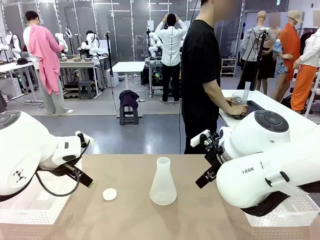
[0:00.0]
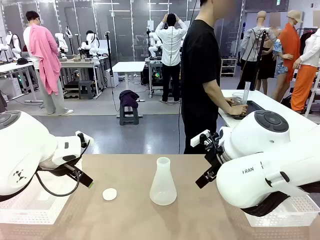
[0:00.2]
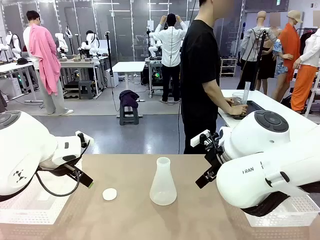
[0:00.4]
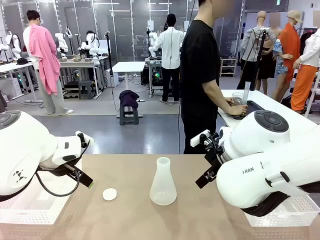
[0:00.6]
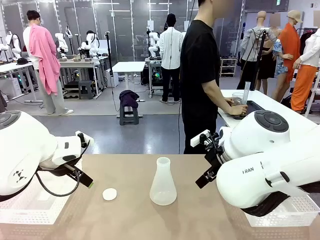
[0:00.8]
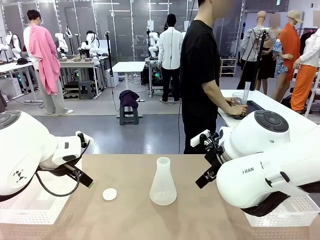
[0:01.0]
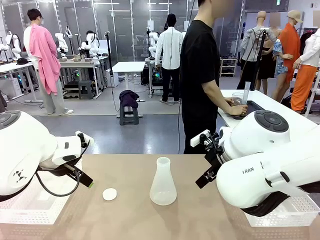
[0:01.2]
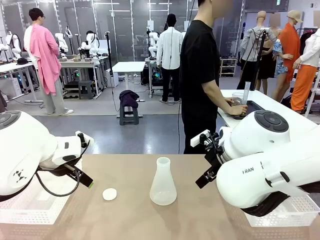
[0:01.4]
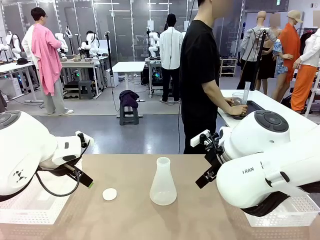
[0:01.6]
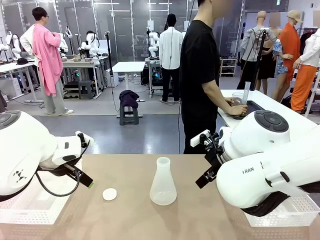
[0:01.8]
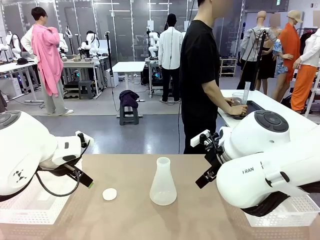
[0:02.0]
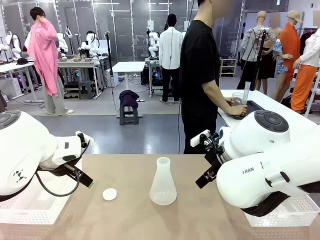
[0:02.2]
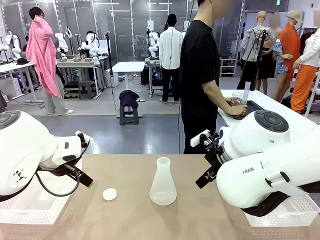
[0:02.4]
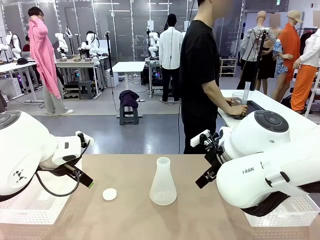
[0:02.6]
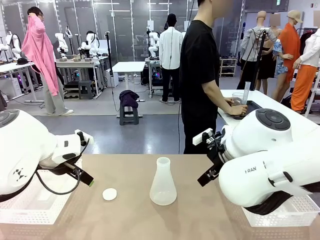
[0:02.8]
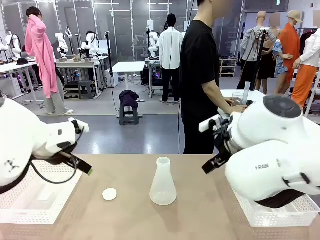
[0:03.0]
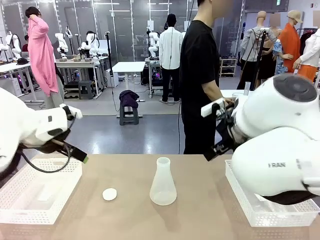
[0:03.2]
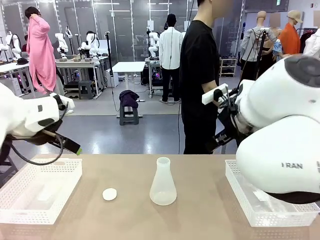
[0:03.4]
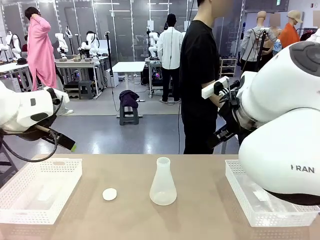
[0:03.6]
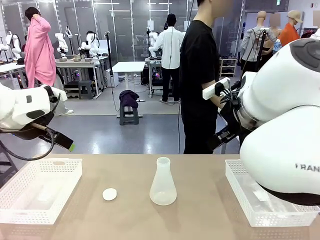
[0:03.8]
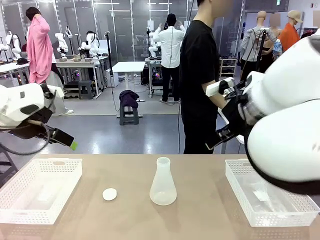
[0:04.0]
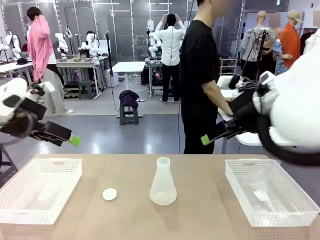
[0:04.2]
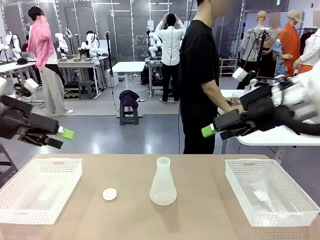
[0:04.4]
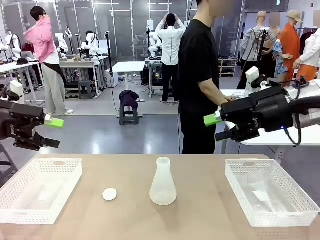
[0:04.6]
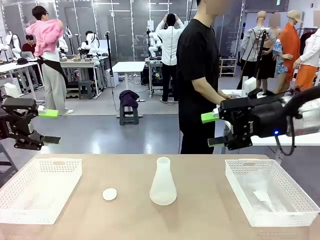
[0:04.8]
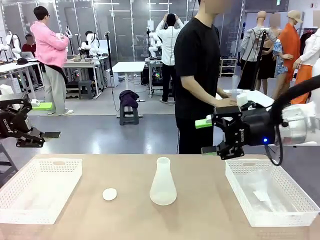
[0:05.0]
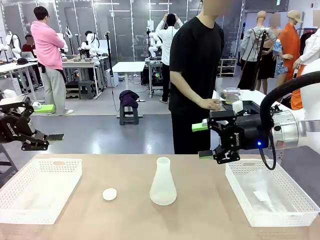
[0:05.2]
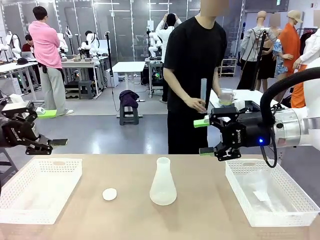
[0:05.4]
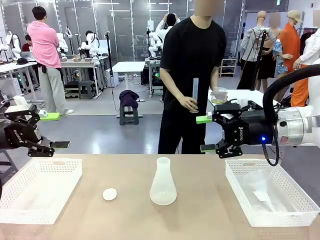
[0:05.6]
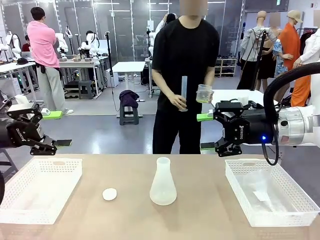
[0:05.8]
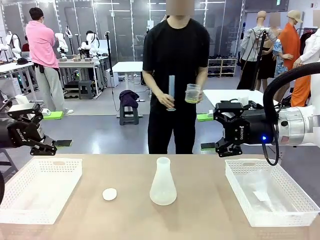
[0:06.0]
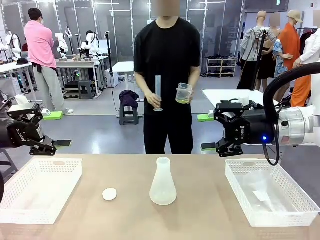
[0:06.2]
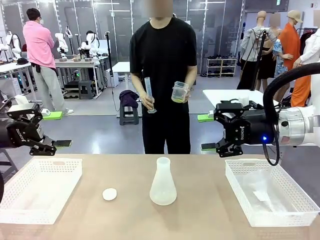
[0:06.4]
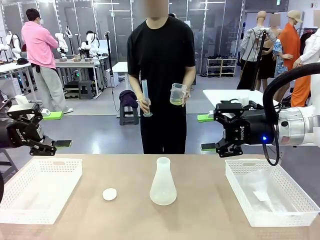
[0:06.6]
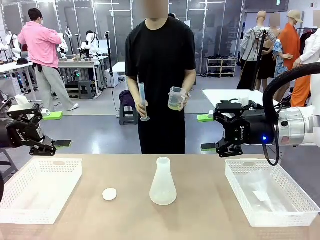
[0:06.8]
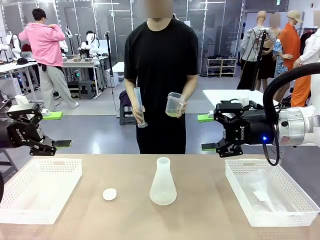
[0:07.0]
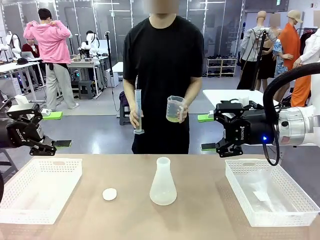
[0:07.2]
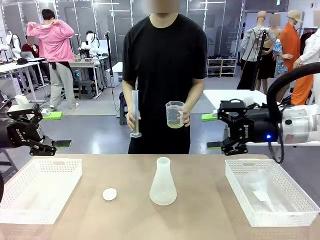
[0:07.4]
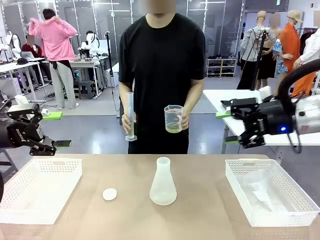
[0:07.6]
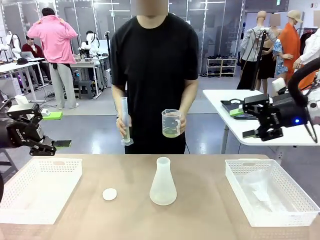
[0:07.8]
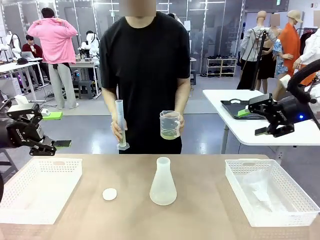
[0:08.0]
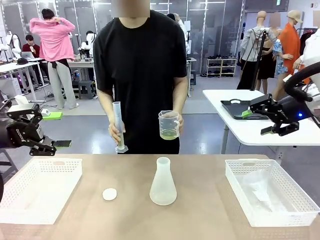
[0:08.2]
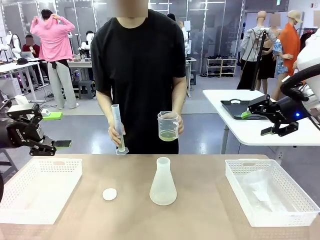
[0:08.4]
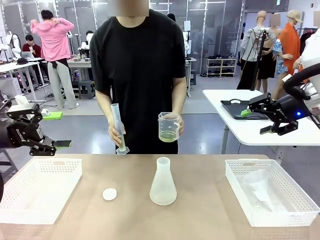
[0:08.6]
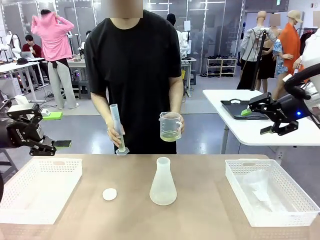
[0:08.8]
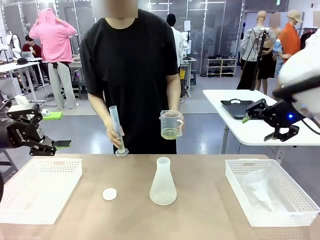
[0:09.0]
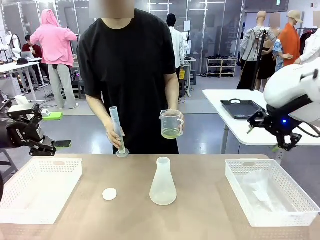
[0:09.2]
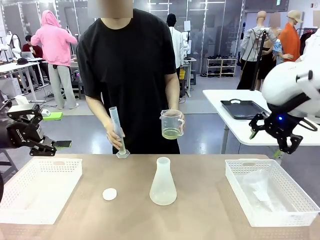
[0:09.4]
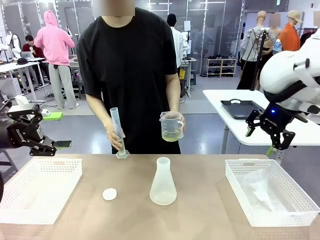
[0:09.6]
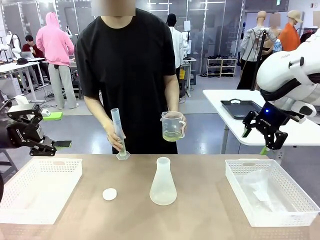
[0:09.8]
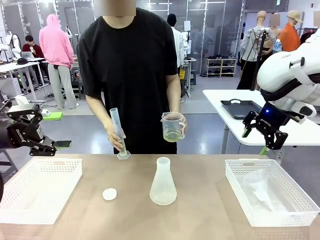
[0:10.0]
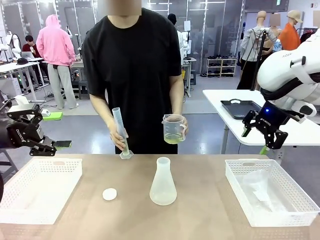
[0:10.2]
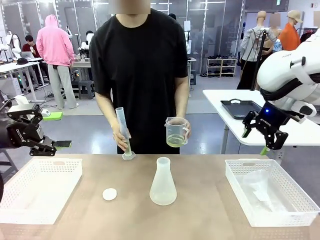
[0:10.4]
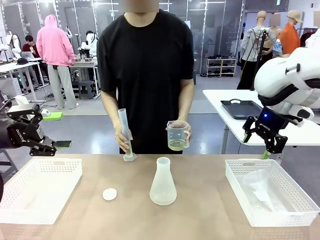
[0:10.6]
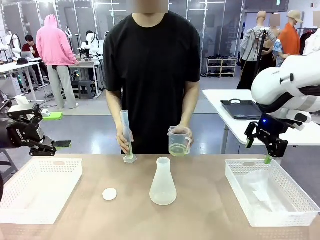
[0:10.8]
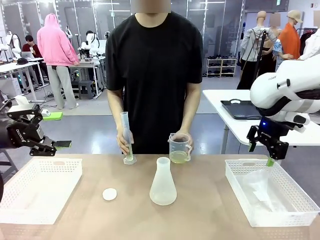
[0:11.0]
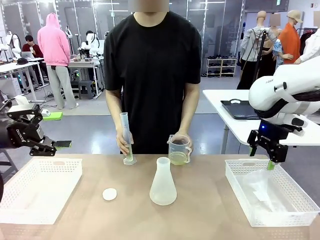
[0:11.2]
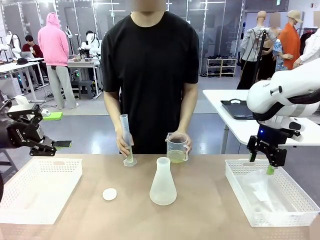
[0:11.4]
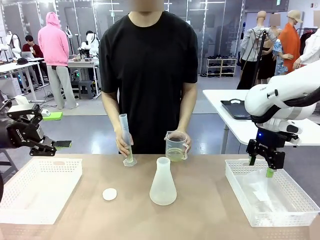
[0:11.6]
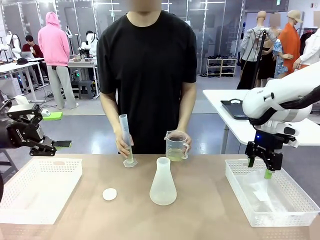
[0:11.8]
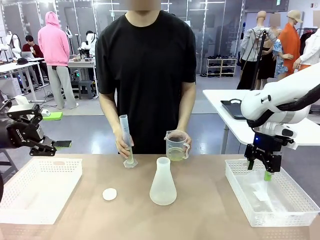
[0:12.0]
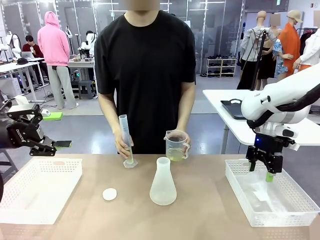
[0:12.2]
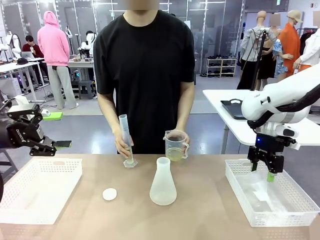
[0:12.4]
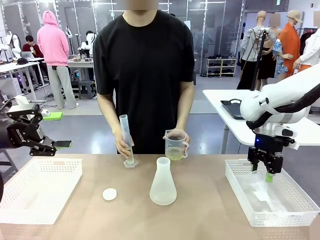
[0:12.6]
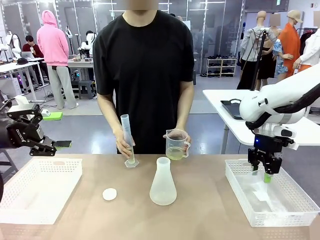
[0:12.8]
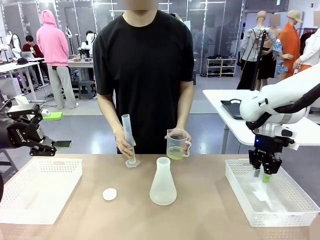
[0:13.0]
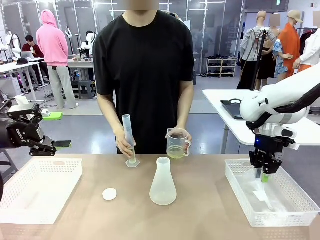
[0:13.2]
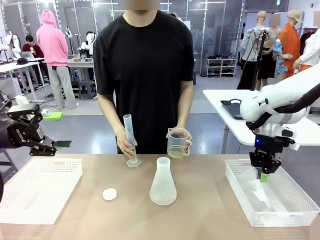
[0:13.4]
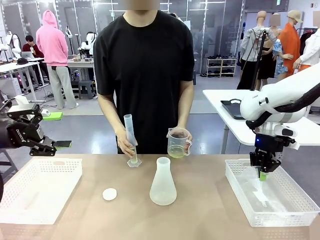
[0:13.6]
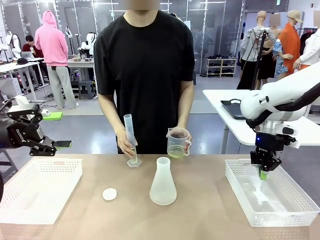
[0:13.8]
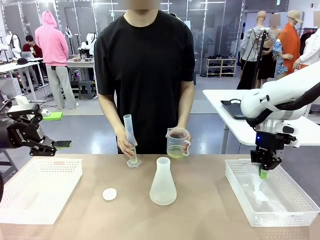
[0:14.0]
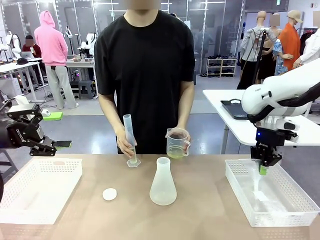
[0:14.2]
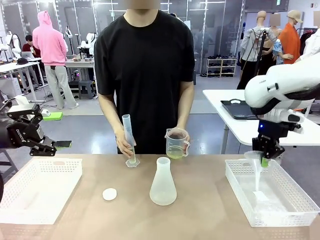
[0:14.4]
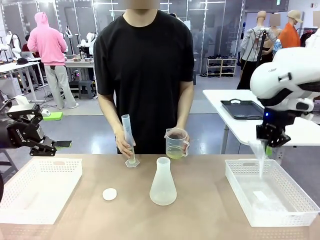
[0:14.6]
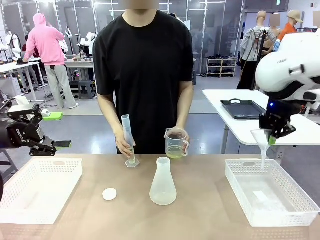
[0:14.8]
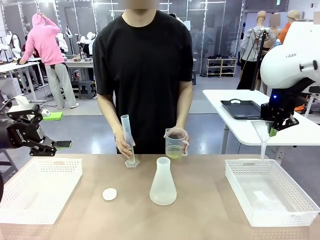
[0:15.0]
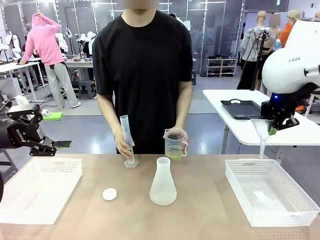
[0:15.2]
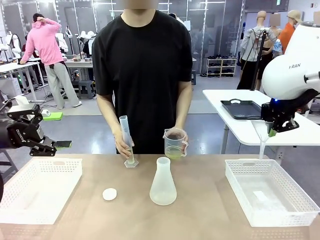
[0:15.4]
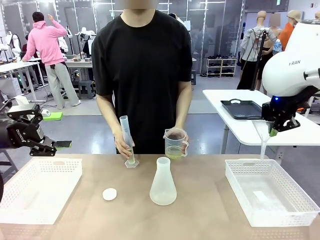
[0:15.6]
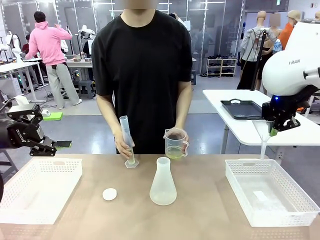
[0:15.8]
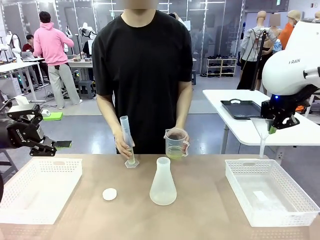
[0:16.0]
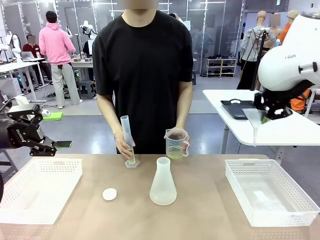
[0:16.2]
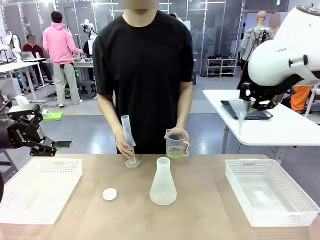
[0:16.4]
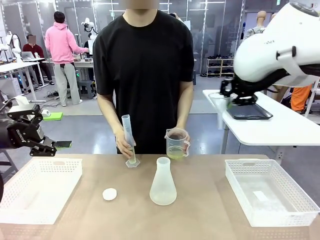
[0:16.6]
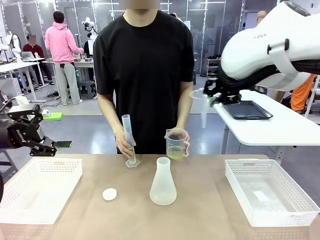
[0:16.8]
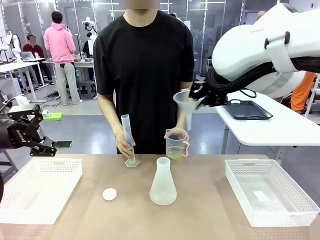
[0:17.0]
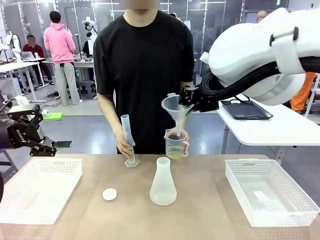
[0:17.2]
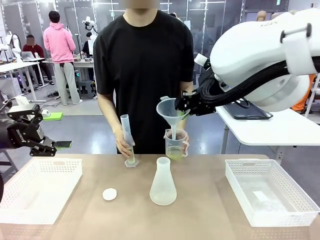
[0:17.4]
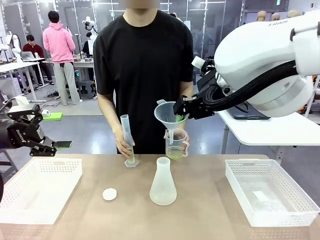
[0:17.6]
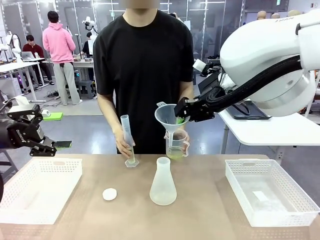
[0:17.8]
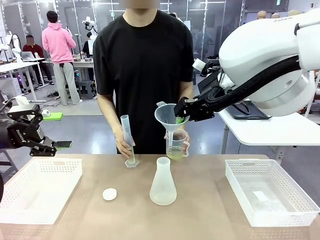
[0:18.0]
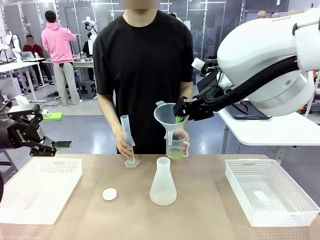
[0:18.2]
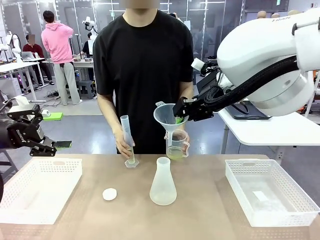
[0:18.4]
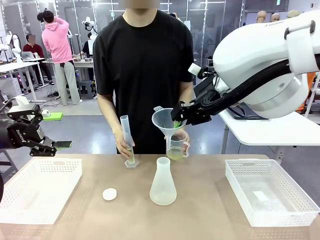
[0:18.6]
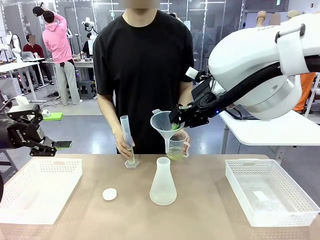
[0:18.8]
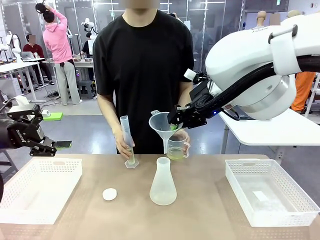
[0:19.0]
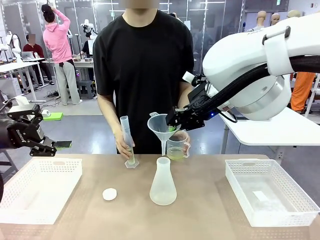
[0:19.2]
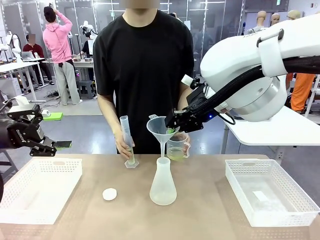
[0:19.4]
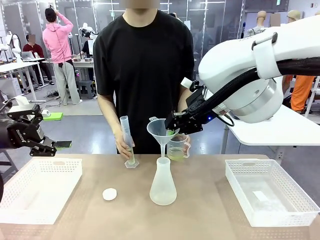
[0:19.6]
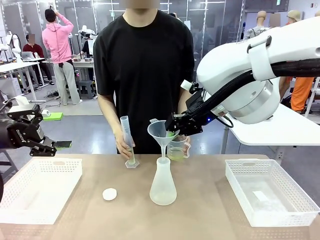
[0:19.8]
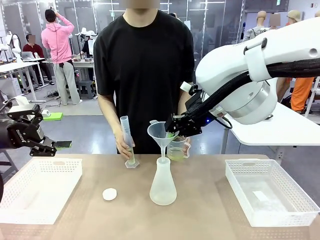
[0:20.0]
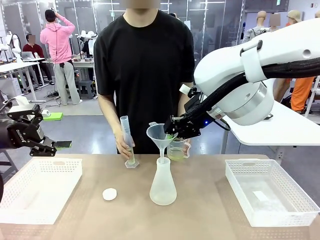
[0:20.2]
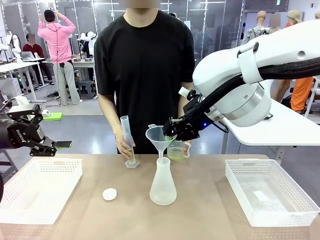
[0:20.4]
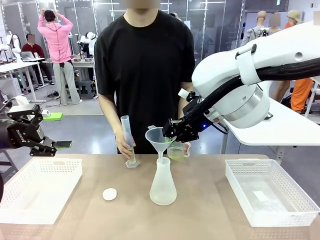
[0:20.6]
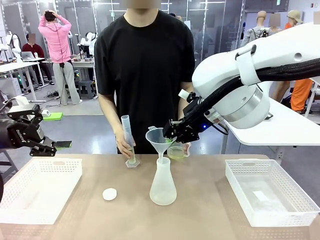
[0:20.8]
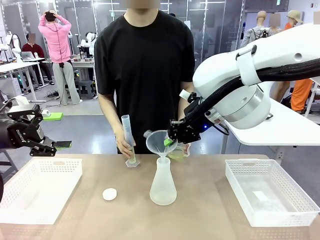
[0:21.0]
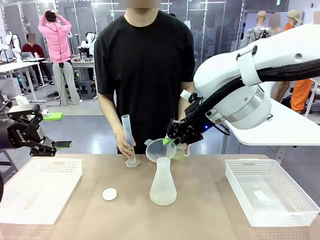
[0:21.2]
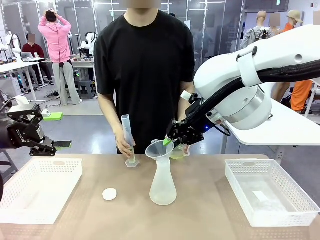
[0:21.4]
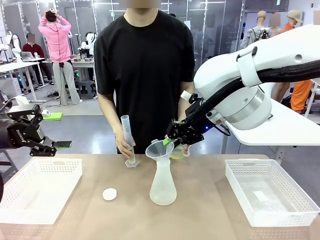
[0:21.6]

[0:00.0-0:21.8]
Task: Prepare the solutions needed for the experiment.
Robot: Pick up the Plastic Funnel and insert it into the Big flask.
Person: Pick up the beaker and the cylinder and move to the middle of the robot table. Pour the solution from the beaker and the cylinder into the flask.
